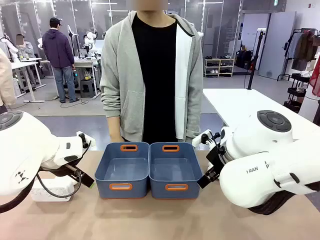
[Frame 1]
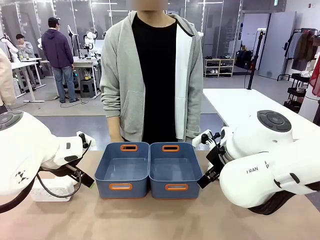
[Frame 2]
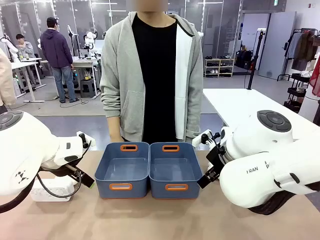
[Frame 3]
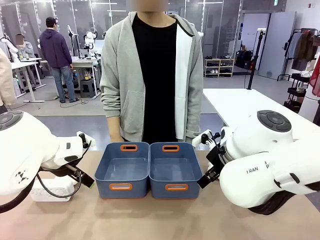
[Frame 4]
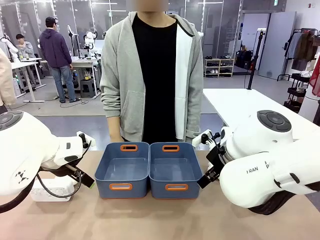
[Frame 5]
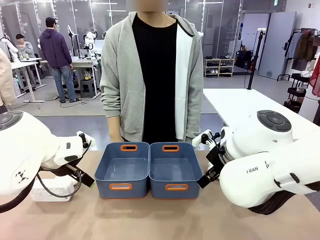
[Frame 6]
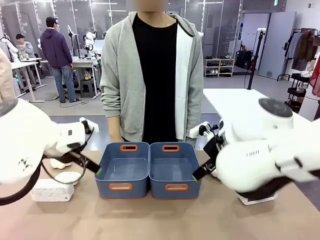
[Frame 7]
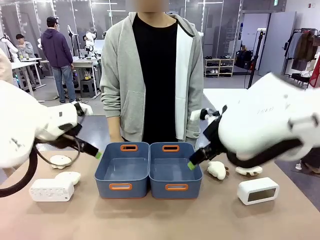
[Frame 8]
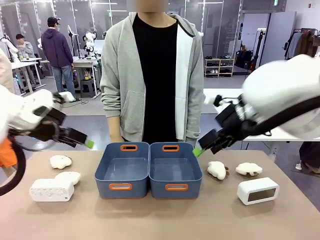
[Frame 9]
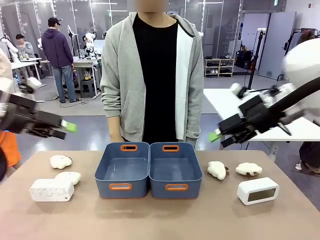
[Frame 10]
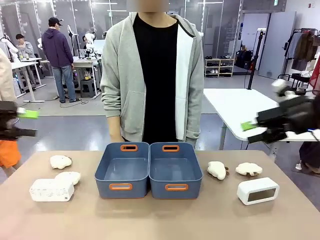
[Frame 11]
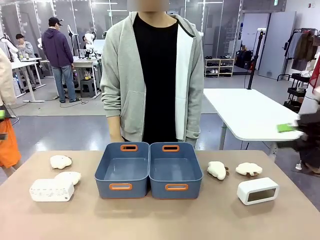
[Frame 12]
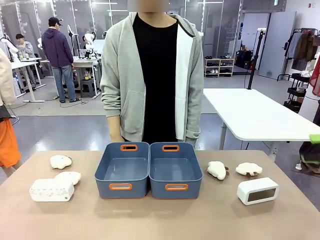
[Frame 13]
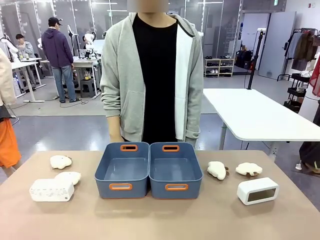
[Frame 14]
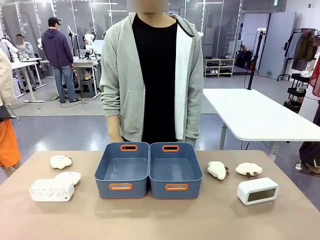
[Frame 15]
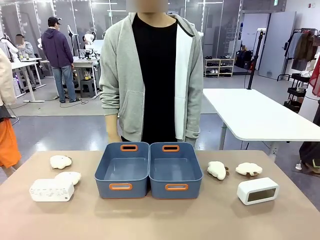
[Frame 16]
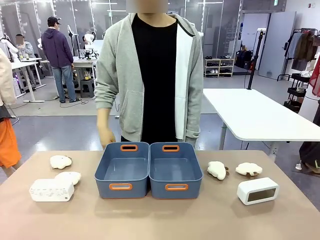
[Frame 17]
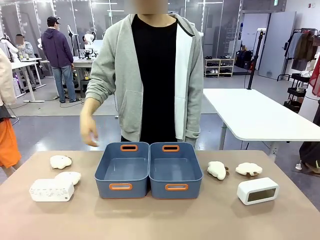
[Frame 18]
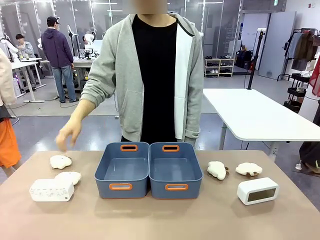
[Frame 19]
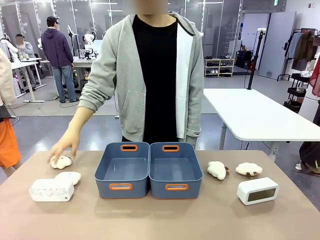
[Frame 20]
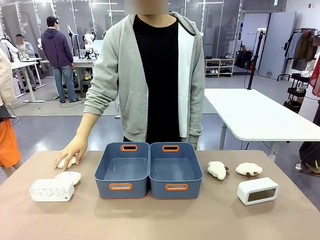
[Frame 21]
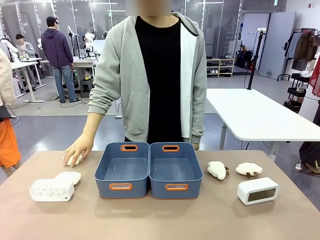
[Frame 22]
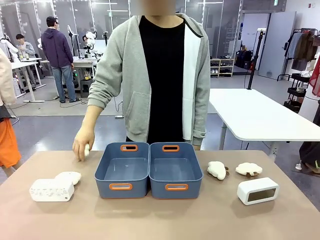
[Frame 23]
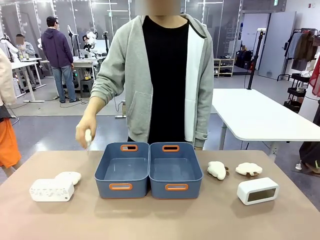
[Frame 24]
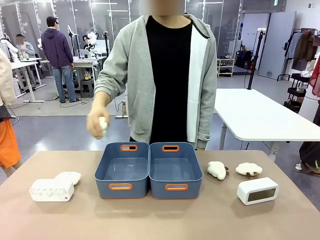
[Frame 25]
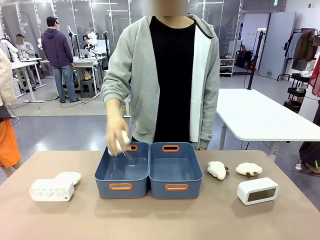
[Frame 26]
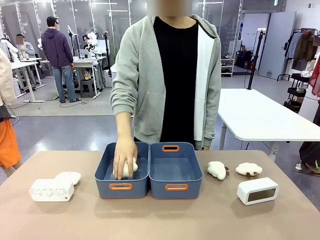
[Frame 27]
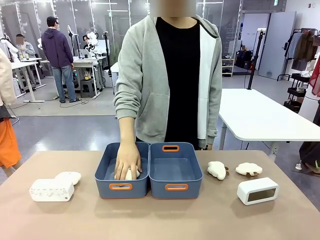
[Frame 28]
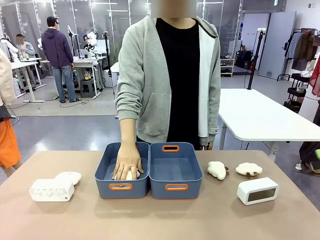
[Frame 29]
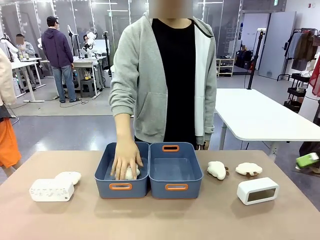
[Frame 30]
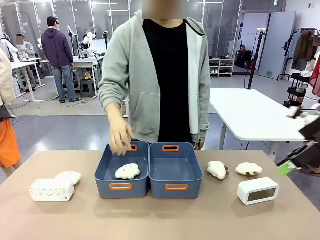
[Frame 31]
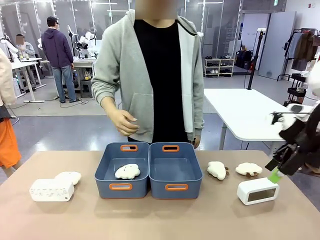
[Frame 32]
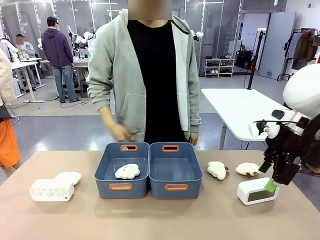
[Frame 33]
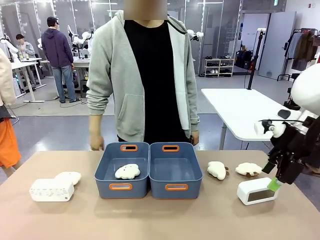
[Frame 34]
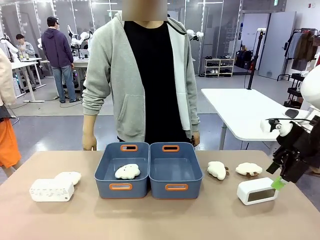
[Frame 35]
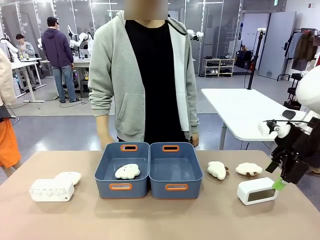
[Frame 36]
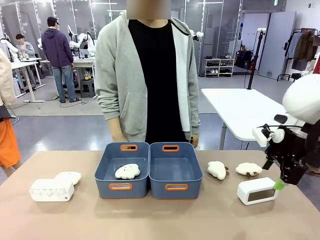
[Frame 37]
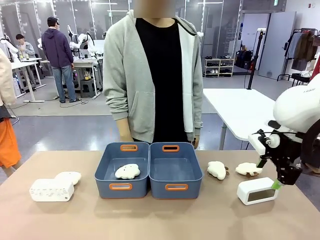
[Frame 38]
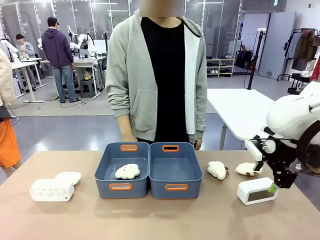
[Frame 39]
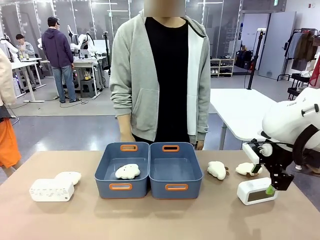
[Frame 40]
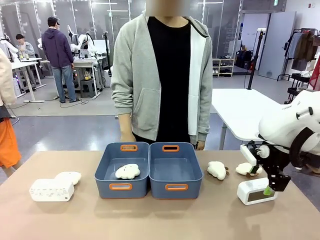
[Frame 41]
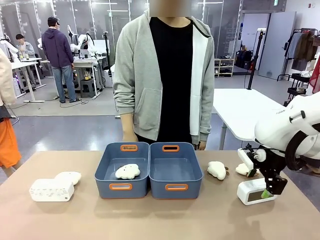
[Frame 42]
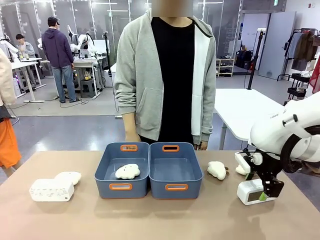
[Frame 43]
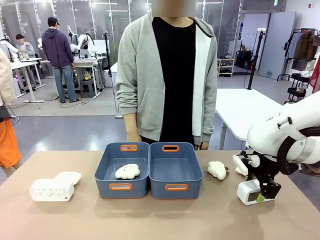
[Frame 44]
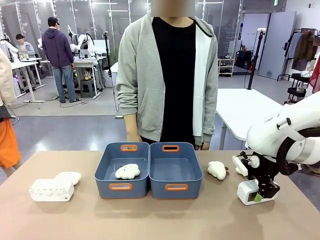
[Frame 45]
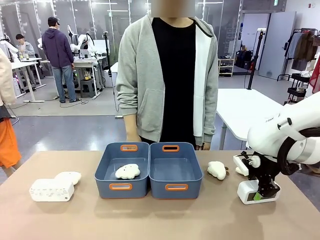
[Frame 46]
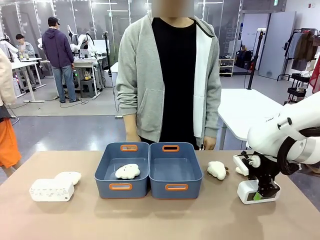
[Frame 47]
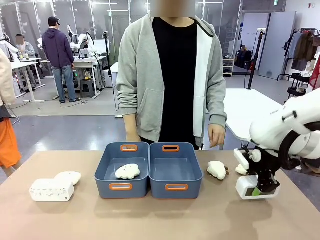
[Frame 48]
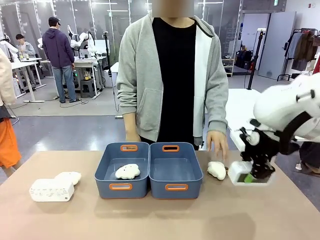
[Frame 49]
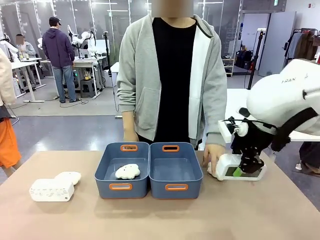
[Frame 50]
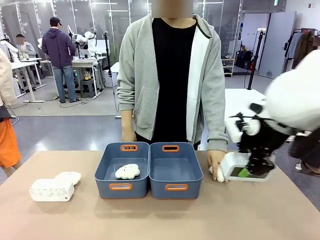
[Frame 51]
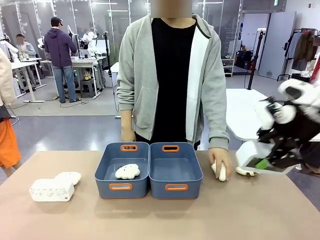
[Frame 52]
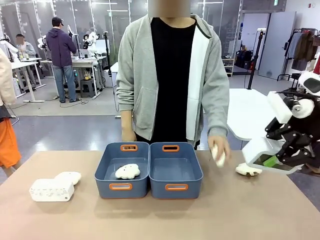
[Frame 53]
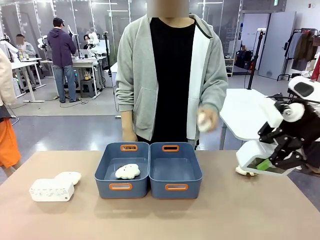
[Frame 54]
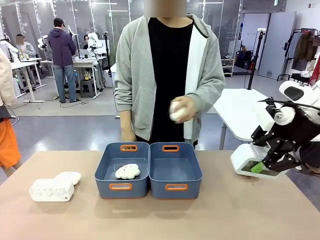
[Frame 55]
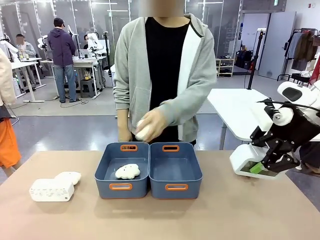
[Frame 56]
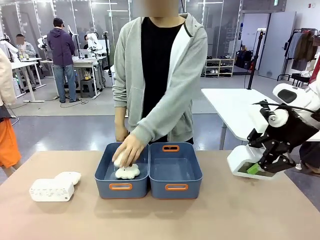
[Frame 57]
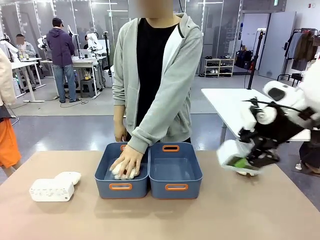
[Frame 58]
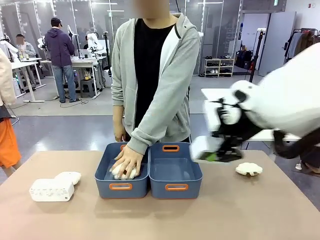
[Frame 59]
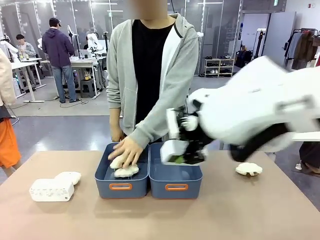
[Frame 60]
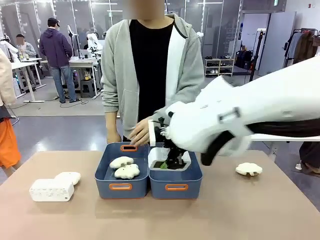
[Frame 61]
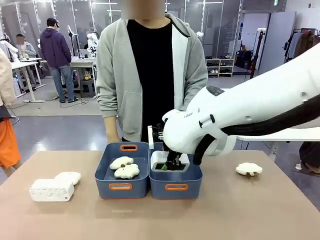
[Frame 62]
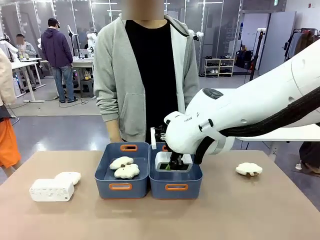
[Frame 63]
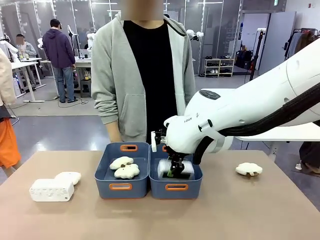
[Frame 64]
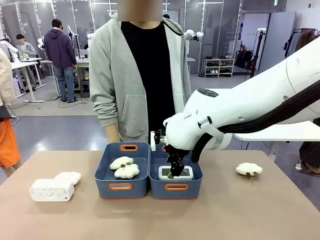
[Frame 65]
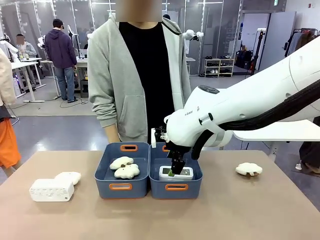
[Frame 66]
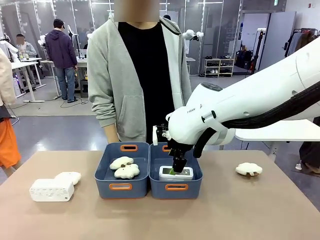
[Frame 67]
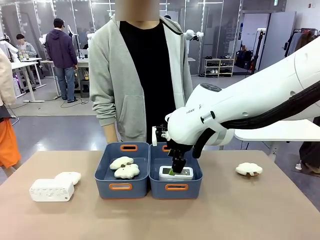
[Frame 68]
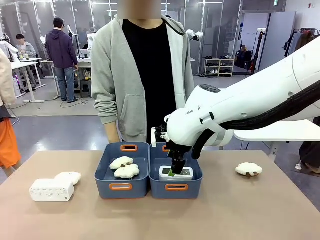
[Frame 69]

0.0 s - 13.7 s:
Task: Sort the digital clocks into the basket.
Robot: Pick up the Digital clock from the table and place it into the empty Plastic storage basket.
Person: Pick up a plush toy from the table and place it in a plastic storage basket.
